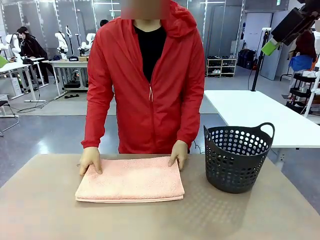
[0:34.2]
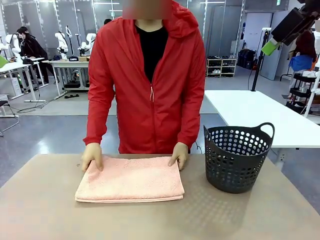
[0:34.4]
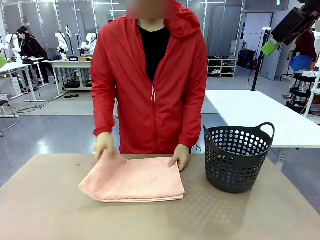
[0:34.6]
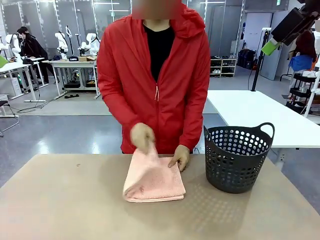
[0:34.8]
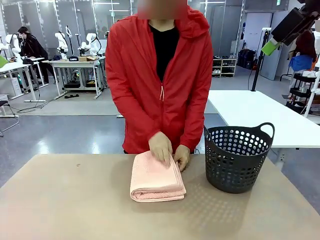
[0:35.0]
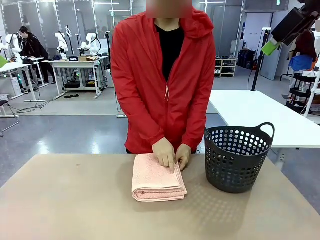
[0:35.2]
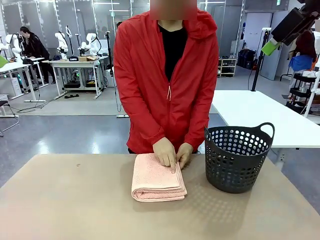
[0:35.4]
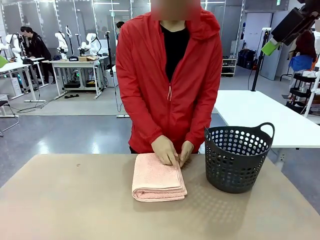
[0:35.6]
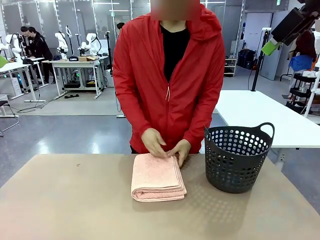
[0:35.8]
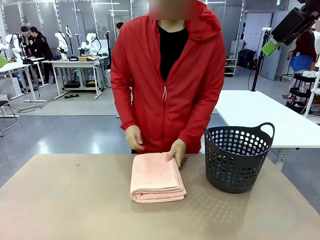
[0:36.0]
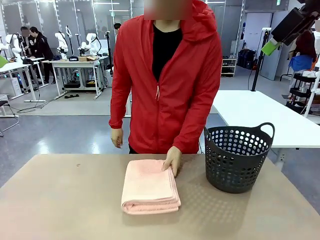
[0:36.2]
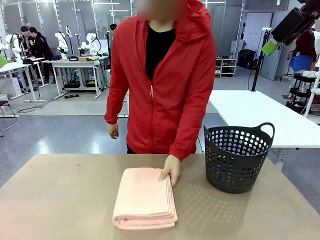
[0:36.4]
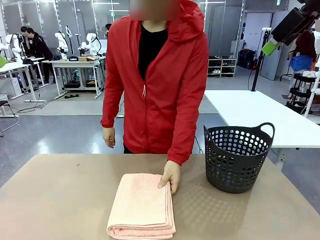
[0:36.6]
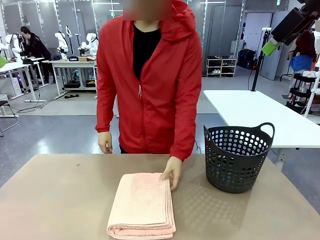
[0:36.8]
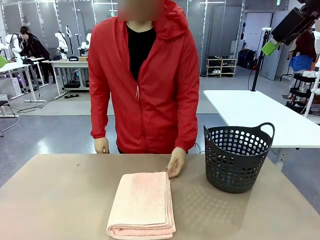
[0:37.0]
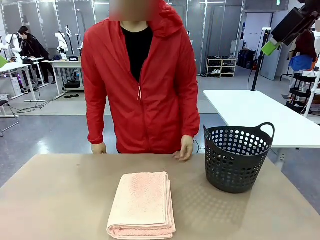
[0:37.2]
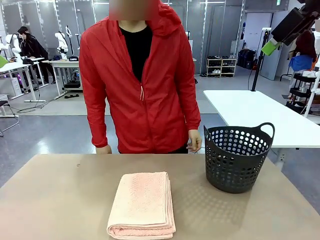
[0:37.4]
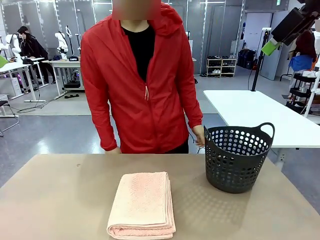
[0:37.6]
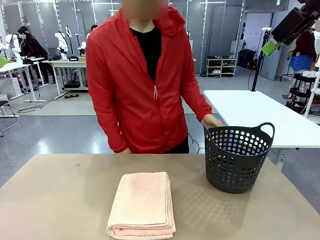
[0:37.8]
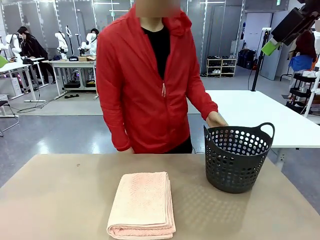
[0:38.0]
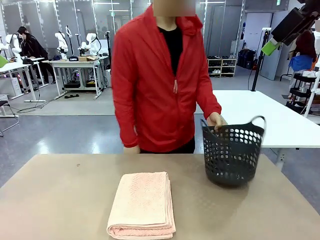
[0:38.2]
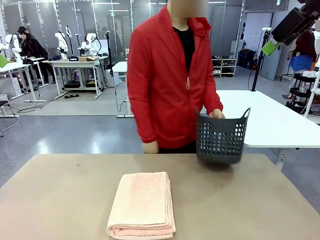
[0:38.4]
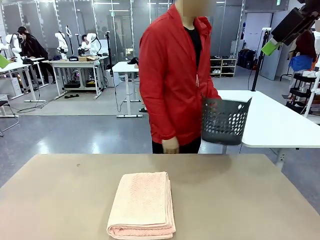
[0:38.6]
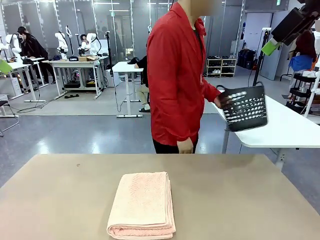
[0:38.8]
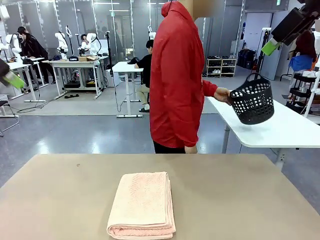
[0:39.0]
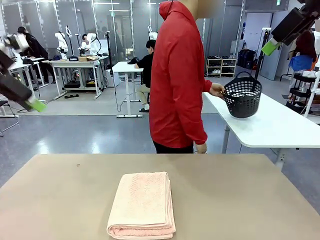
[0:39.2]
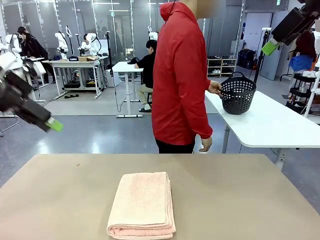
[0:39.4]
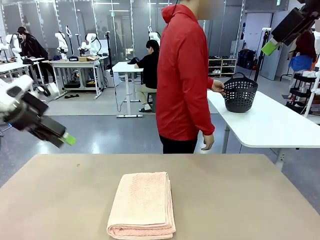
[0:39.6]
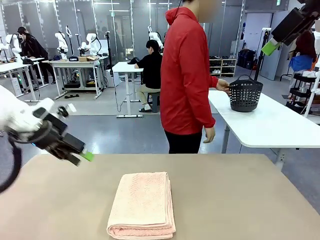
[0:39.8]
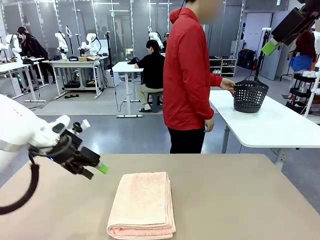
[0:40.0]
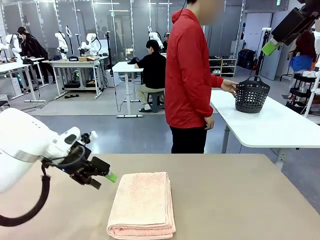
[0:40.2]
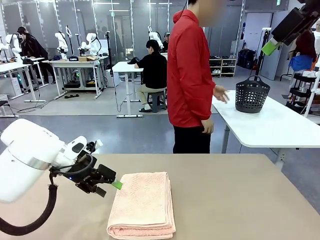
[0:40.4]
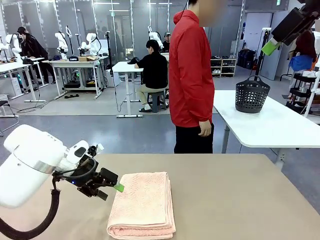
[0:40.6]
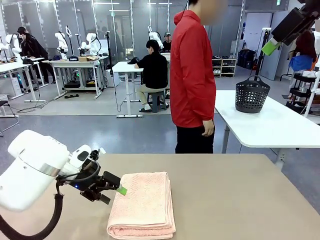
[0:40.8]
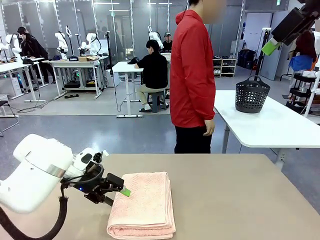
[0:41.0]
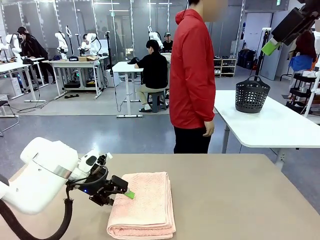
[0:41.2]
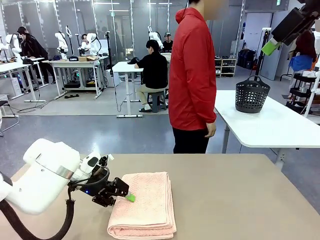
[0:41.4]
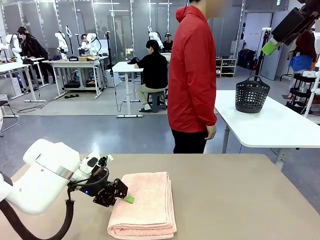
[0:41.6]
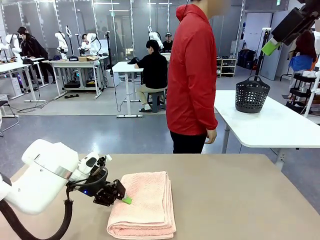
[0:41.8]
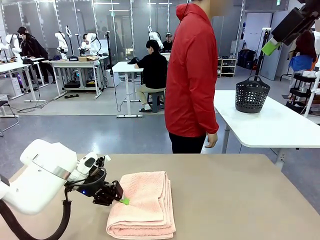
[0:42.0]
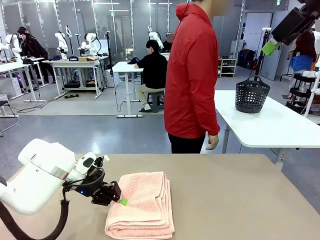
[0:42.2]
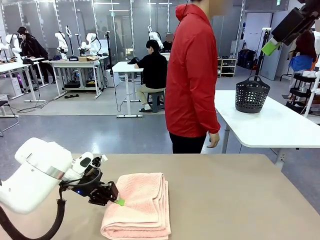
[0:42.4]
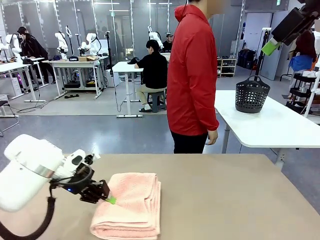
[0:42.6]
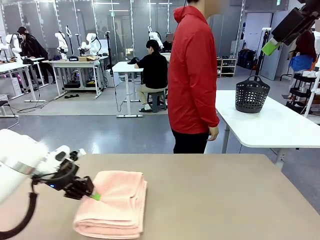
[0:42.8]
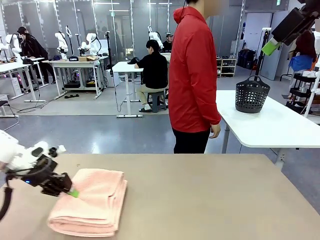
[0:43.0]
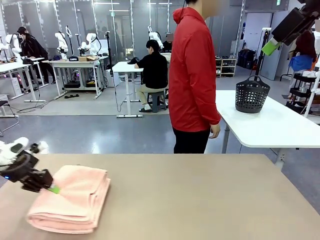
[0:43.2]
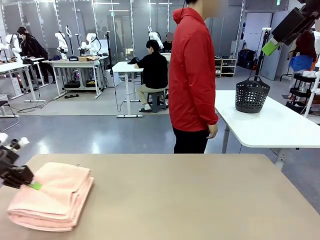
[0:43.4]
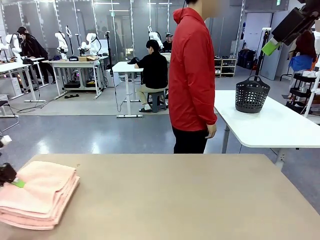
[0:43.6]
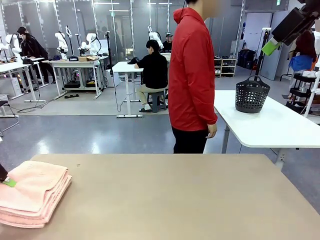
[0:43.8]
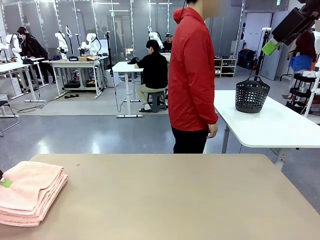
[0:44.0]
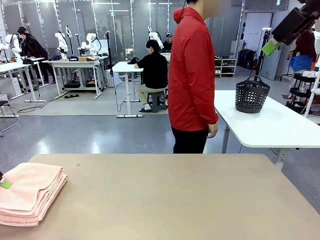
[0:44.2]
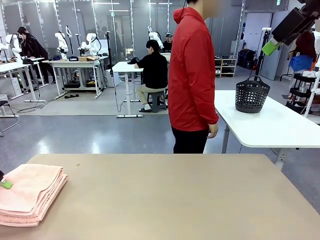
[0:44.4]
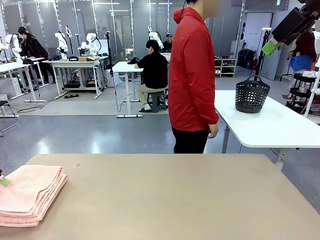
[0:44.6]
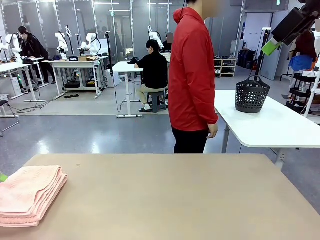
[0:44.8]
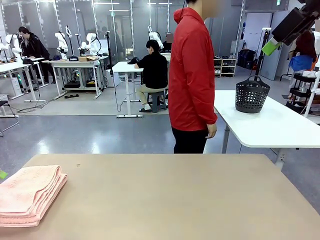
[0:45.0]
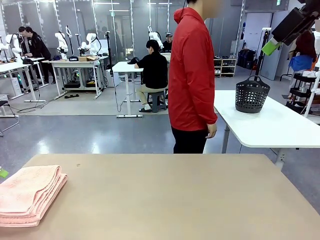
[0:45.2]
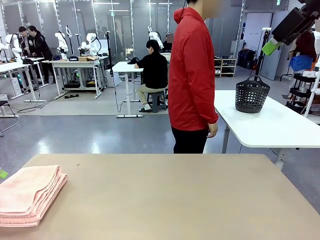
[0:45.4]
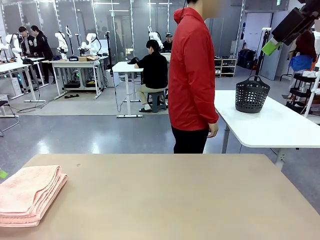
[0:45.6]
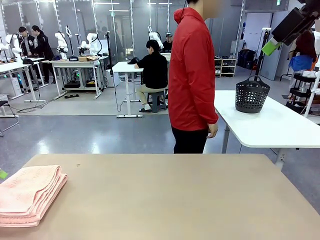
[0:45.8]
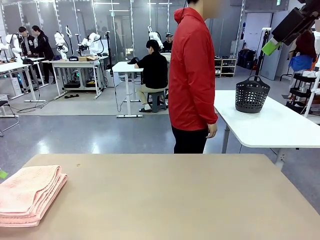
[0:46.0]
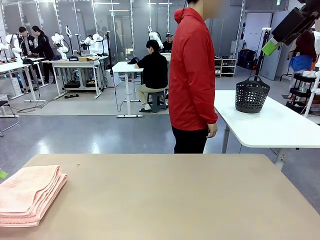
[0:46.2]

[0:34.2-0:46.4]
Task: Fold the towel.
Robot: Pick up the 100 cm Hotel Towel and place it on the left side of the table.
Person: Pick up the laundry basket and place it at the center of the human table.

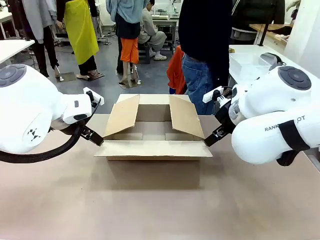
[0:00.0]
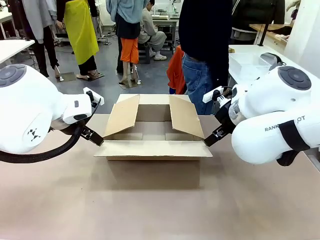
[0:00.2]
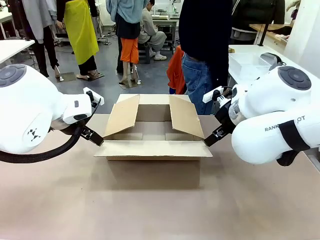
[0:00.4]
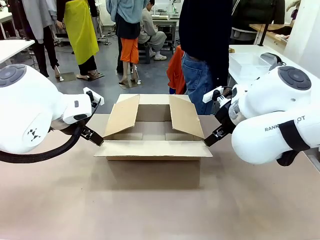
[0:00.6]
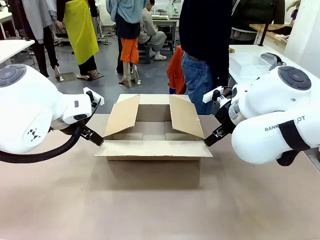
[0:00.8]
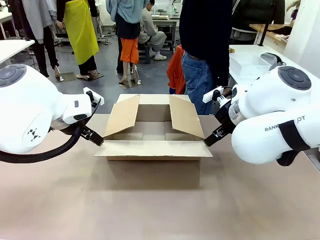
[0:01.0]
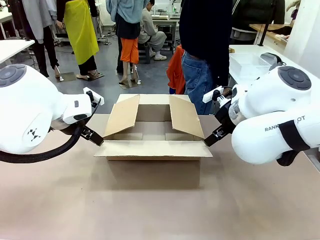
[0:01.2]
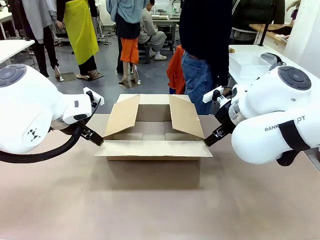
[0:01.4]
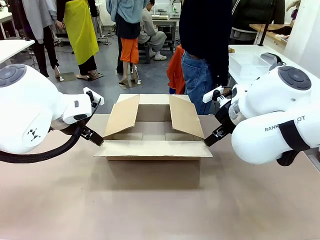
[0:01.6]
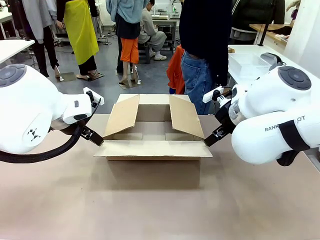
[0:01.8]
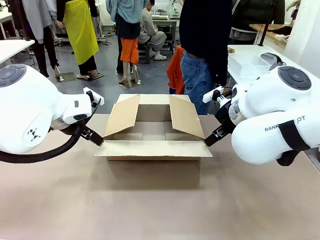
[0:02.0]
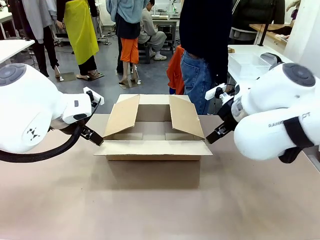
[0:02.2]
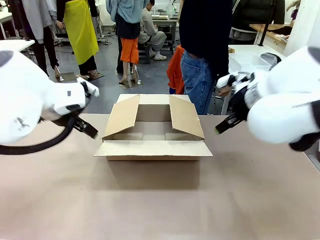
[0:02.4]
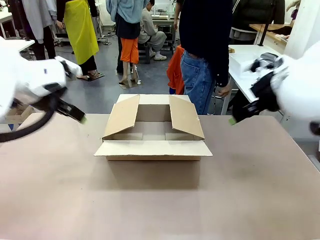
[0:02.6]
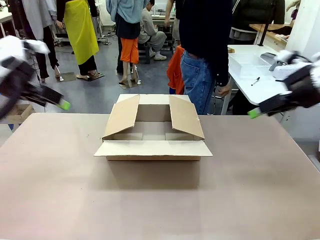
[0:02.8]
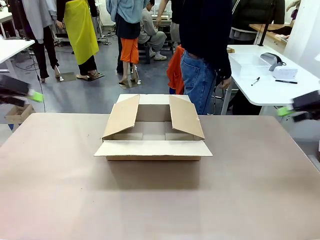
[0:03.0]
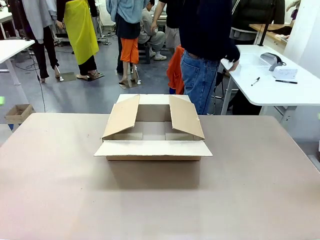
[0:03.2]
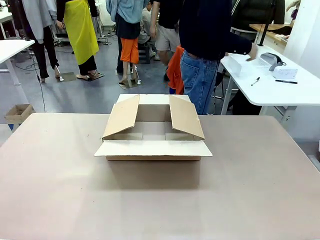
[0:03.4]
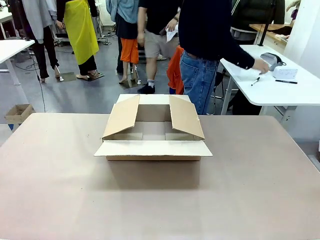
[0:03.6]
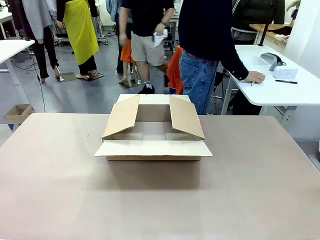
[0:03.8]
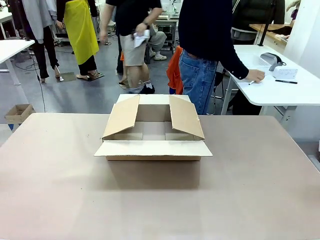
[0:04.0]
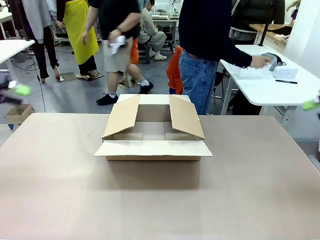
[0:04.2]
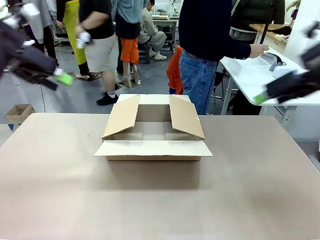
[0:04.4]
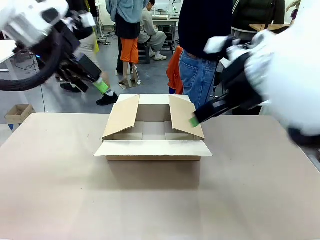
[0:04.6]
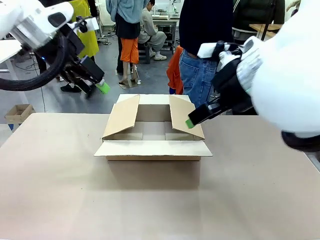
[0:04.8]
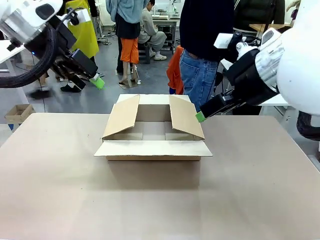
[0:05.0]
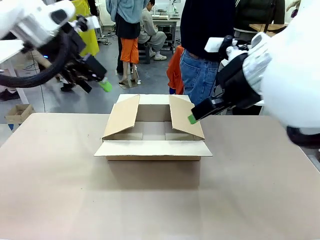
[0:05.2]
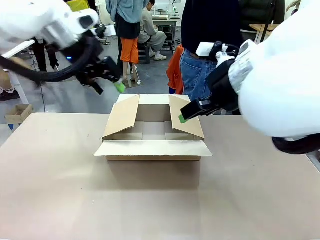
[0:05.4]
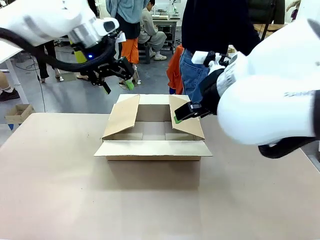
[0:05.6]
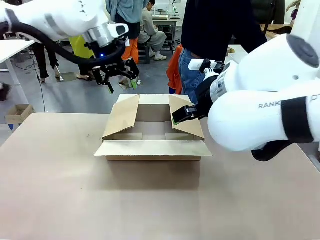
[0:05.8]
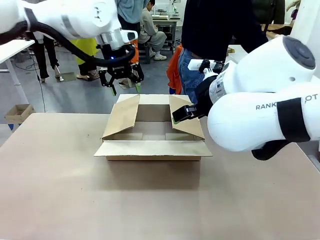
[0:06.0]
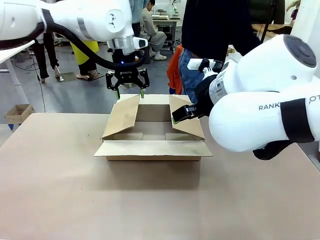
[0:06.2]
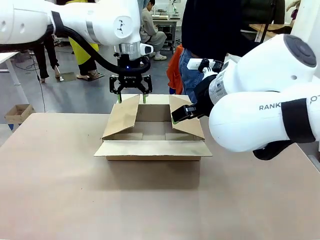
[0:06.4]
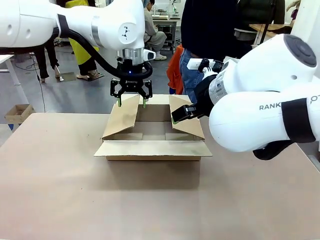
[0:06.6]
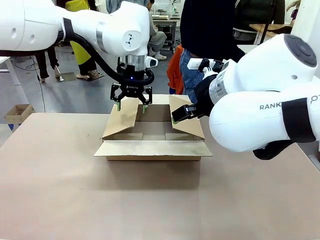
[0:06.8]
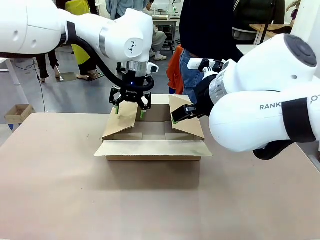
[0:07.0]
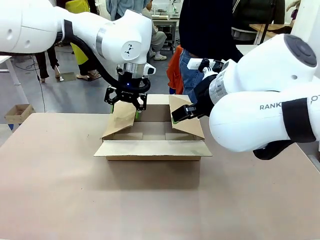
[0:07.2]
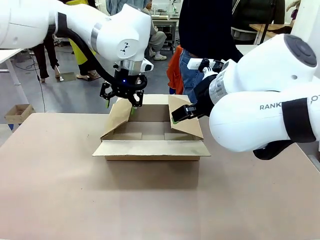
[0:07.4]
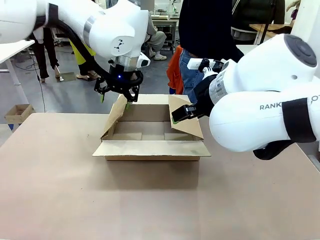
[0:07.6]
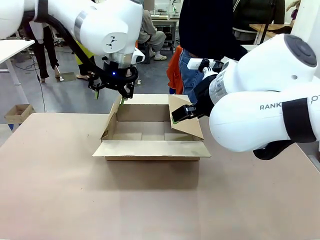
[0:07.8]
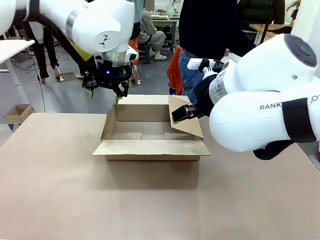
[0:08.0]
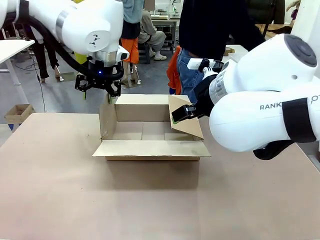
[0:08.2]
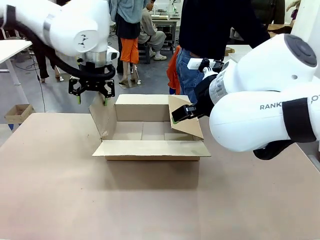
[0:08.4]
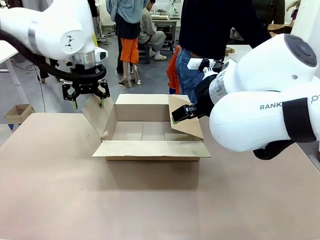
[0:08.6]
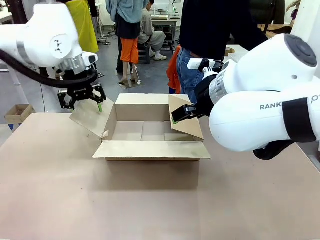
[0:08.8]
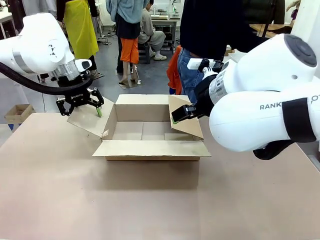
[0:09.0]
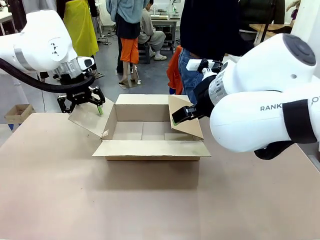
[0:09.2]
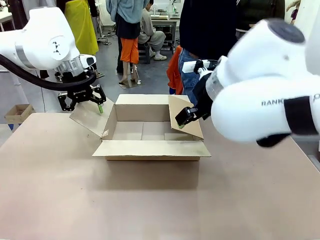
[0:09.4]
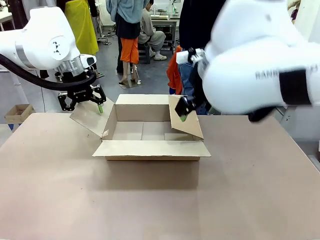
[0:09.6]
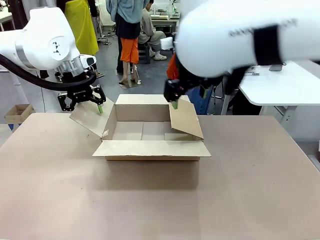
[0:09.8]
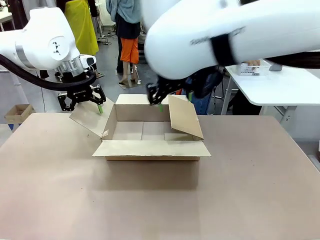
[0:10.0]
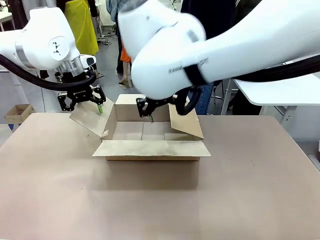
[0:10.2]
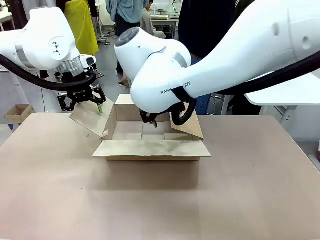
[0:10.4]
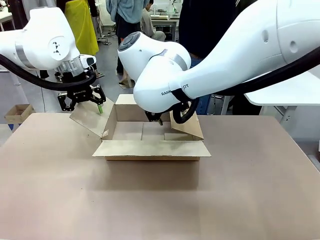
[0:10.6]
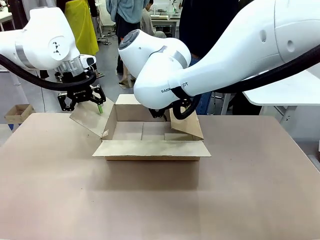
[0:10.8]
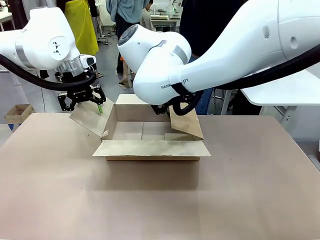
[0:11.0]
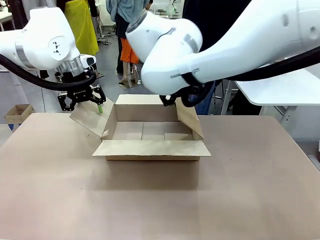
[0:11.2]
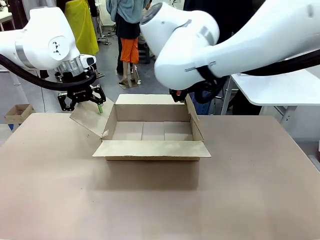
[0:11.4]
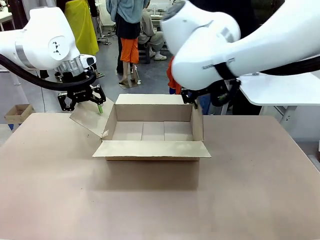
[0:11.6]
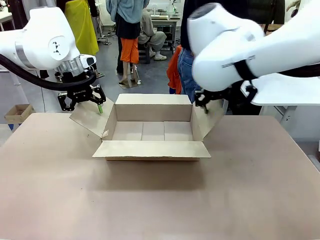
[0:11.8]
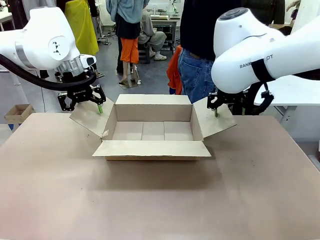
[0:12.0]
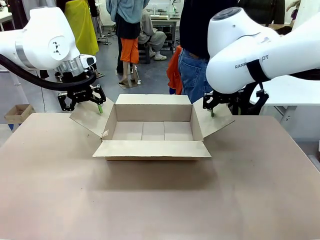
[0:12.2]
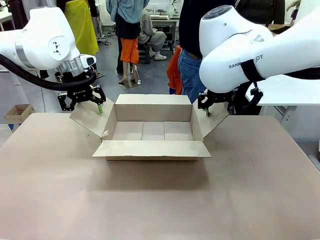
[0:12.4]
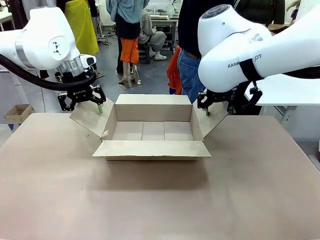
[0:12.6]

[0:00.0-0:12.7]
Task: Pack the gift set into the box.
Robot: Place both hands on the side flaps of the Package Box and spread them outward.
Person: The human places all items except the paper tape into the organizing basket.
